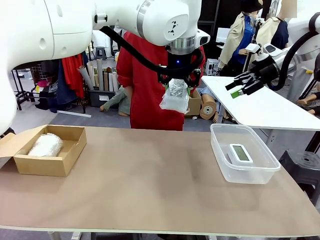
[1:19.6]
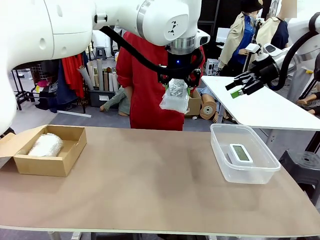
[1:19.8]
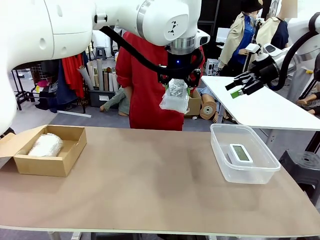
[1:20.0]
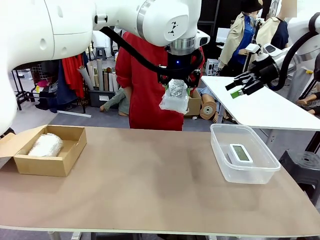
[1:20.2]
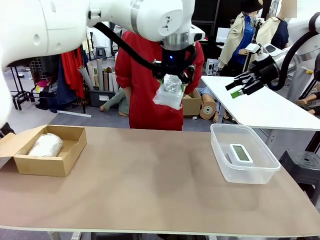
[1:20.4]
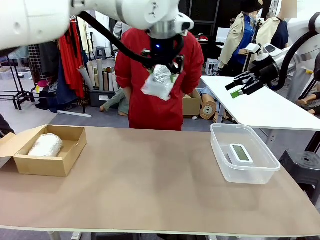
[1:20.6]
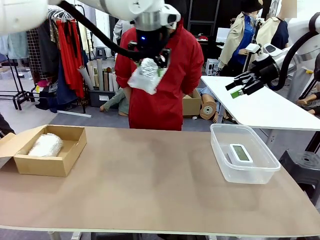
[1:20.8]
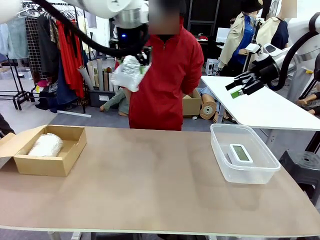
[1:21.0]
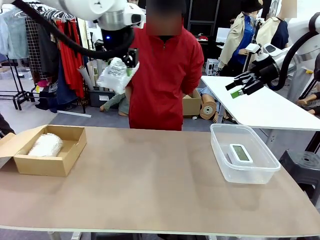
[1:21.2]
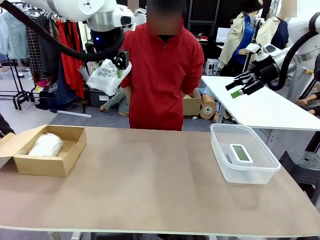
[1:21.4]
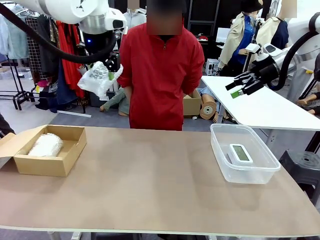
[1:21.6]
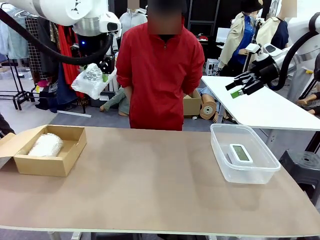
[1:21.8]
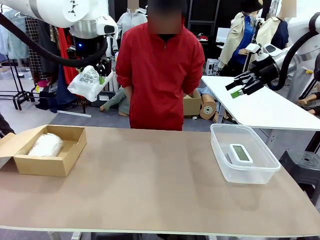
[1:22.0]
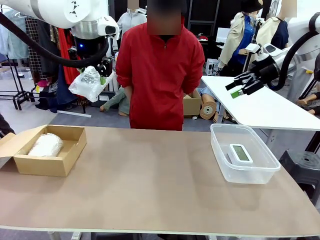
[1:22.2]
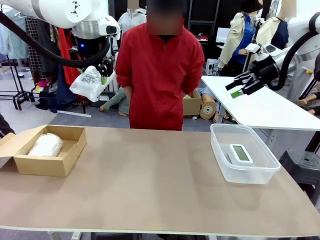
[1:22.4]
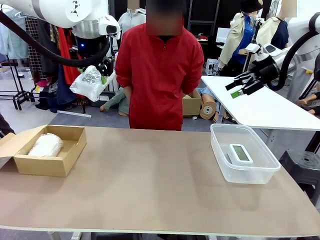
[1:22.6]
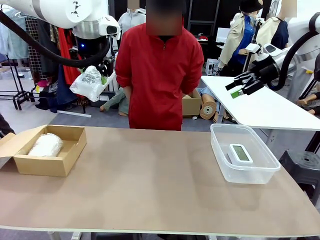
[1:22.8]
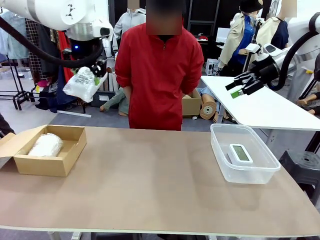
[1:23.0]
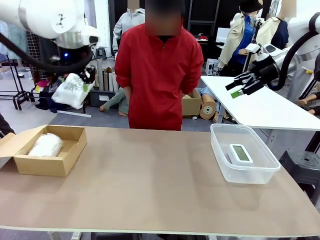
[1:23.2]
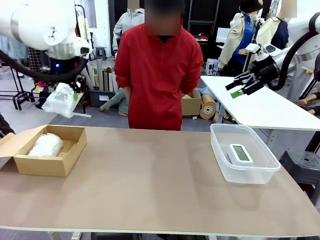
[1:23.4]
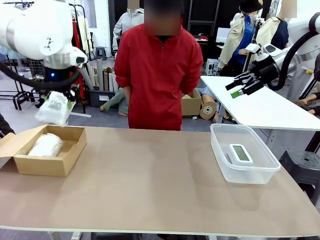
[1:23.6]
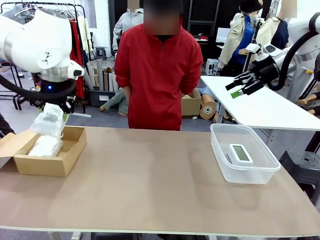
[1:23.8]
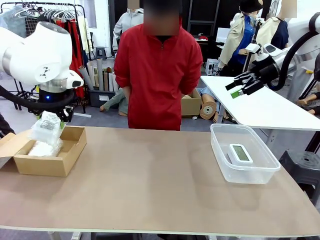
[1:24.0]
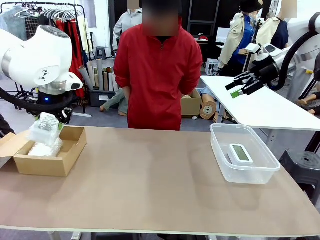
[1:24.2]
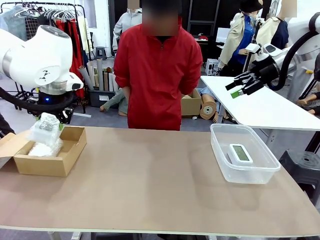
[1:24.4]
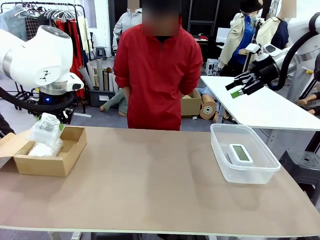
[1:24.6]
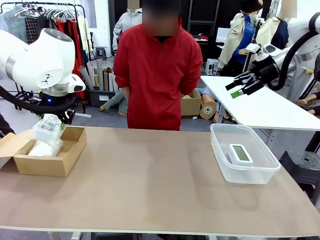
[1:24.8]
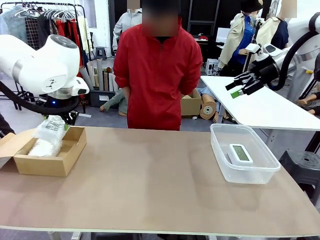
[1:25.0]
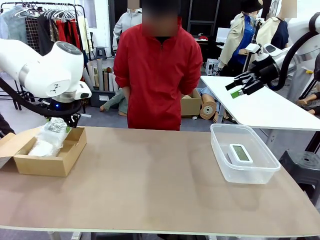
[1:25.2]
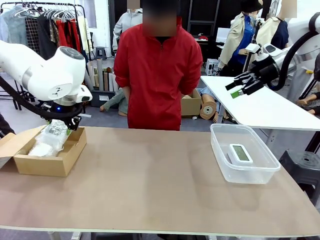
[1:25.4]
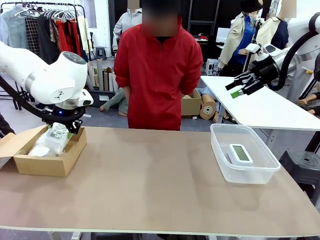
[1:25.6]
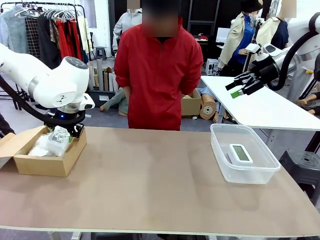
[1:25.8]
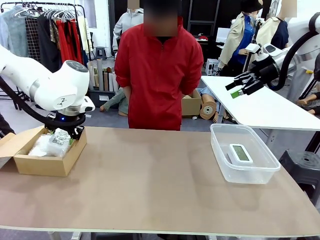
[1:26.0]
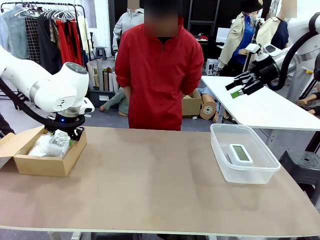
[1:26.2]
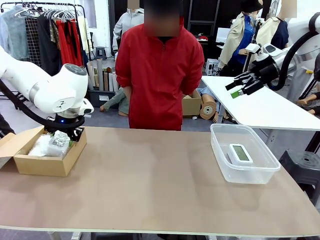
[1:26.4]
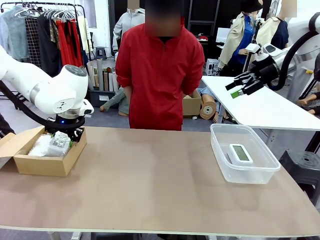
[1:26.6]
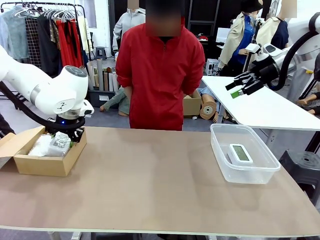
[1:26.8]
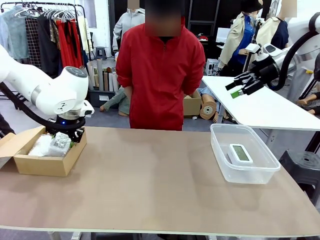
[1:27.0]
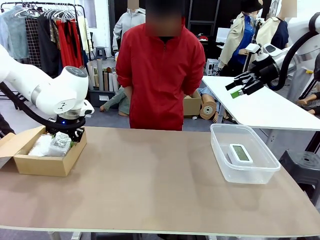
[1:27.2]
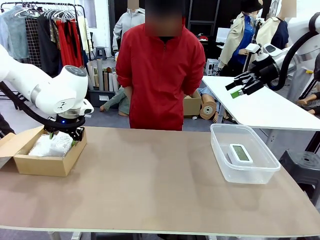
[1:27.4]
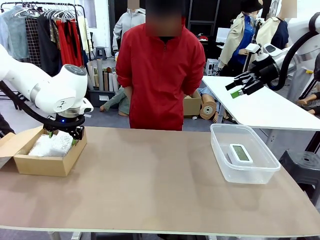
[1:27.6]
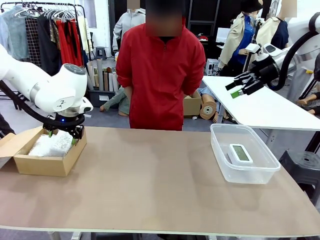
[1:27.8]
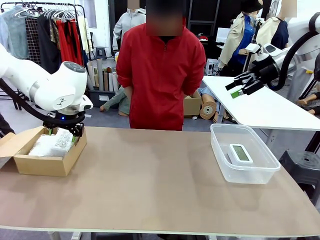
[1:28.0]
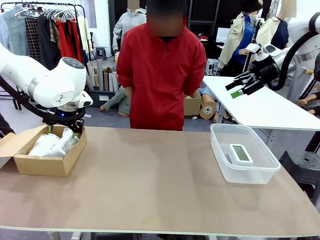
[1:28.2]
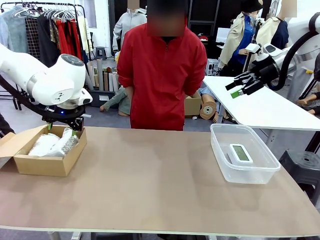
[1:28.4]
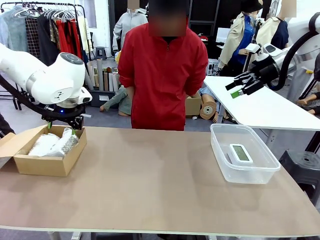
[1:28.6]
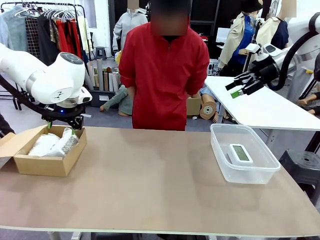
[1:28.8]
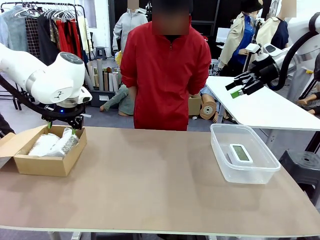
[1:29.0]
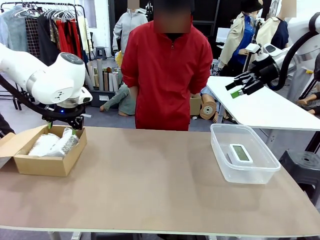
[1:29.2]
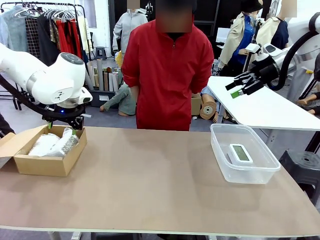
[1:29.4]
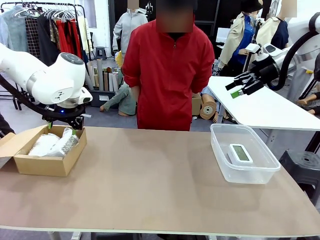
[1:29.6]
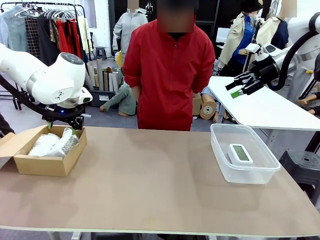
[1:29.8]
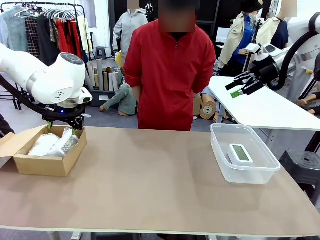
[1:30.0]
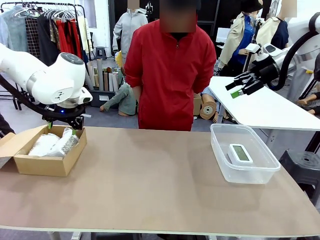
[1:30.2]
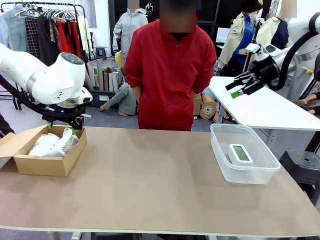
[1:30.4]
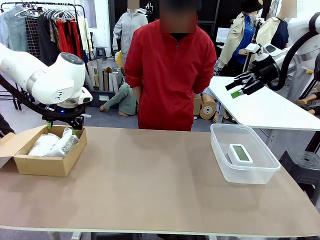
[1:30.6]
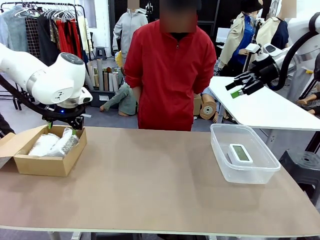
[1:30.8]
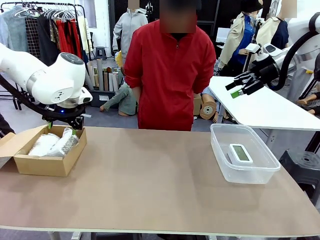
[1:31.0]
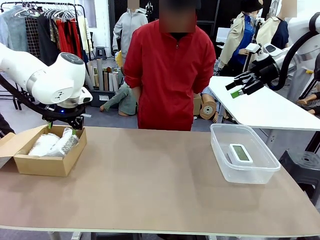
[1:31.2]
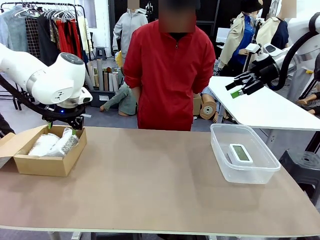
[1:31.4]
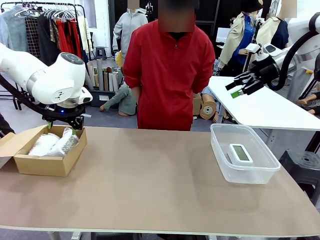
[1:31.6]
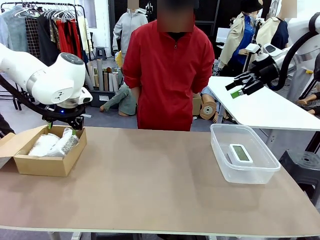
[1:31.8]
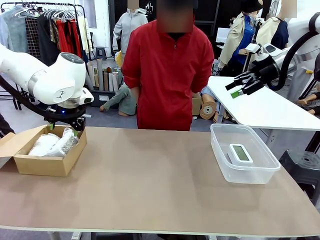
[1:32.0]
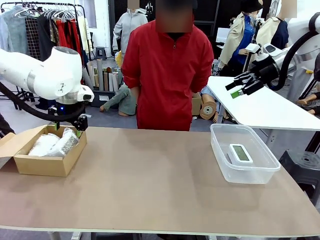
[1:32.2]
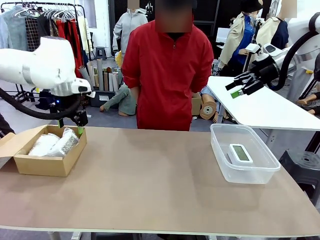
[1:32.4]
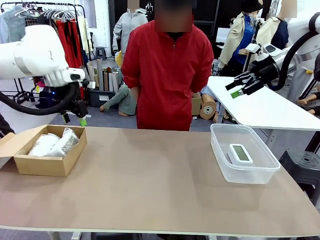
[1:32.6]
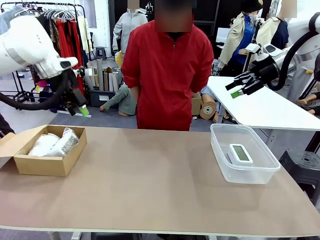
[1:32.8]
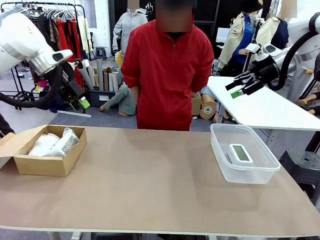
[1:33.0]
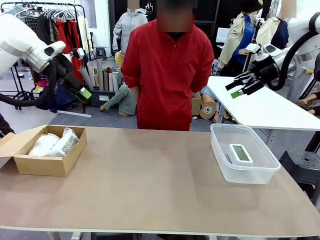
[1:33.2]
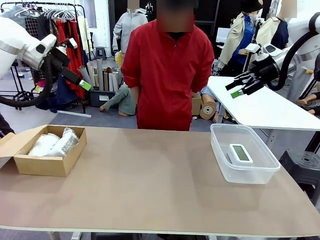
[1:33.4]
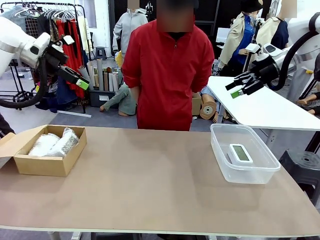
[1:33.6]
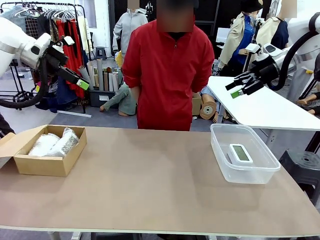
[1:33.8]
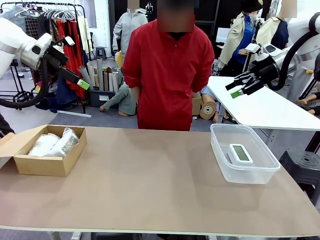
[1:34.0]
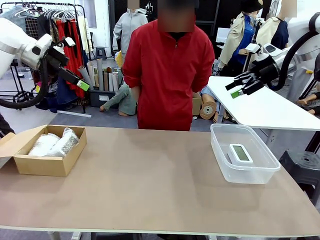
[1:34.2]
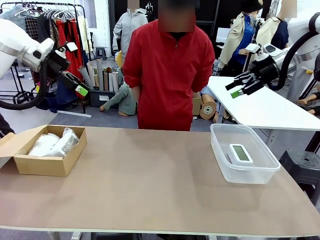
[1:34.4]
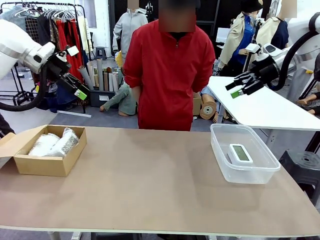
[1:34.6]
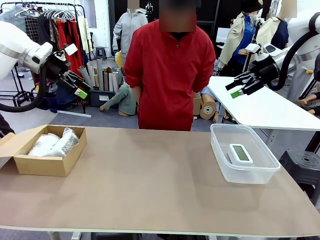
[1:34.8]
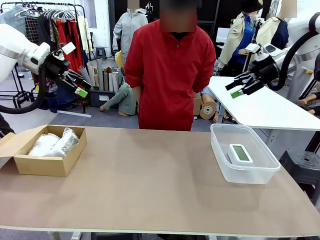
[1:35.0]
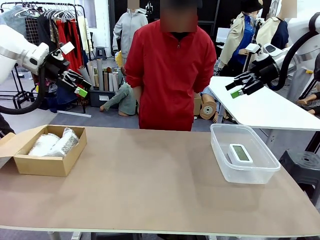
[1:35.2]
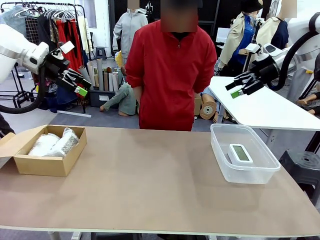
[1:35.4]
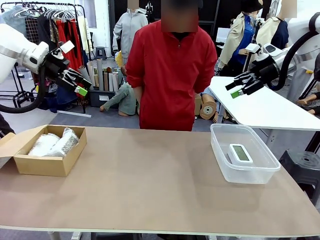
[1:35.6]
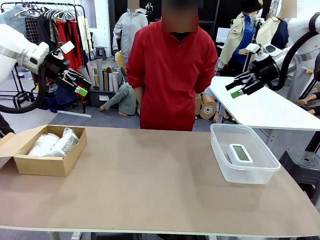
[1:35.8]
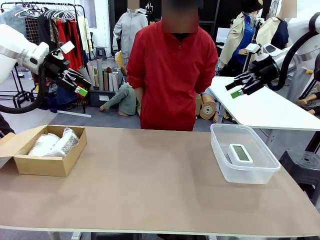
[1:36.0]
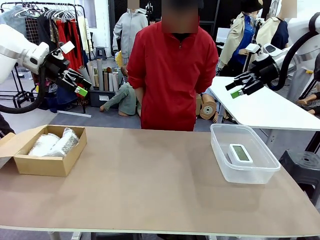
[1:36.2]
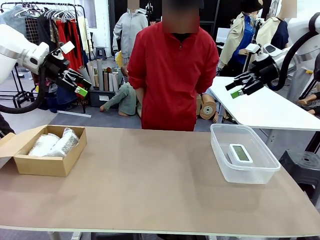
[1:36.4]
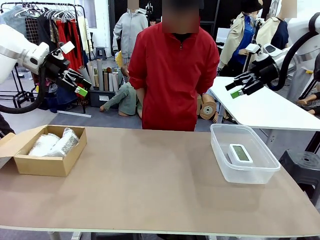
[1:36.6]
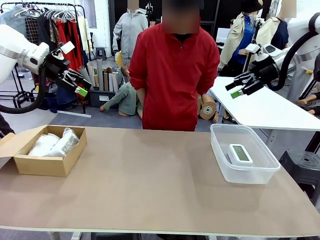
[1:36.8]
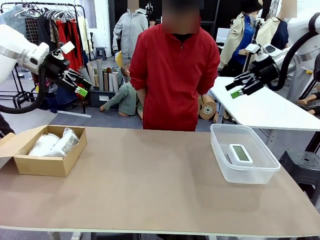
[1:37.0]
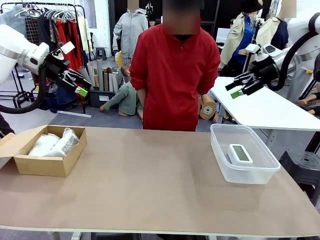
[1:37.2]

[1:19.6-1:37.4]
Task: Separate and place wrapped and unwrapped clocks.
Robot: If the picked Digital clock is wrapped, place it in the Package Box ; if not, place it in the Organizing box.

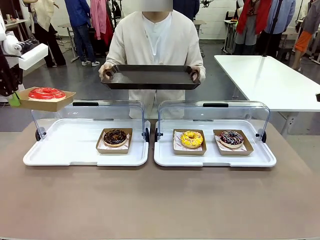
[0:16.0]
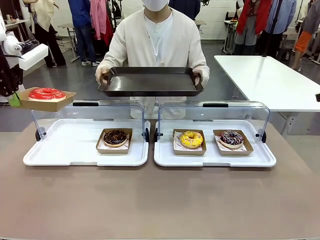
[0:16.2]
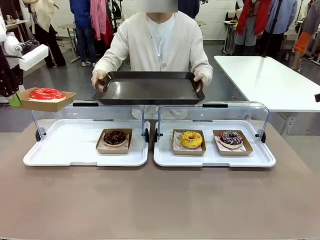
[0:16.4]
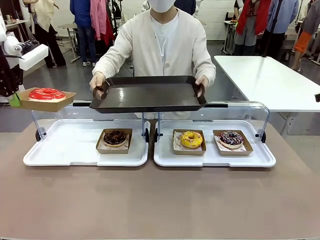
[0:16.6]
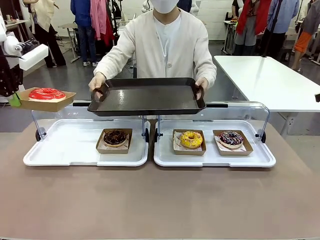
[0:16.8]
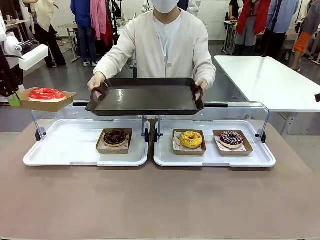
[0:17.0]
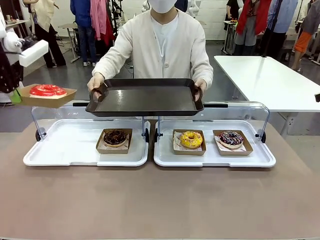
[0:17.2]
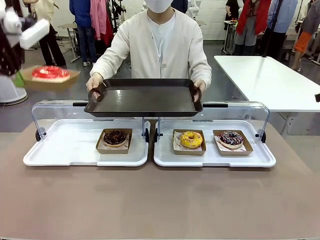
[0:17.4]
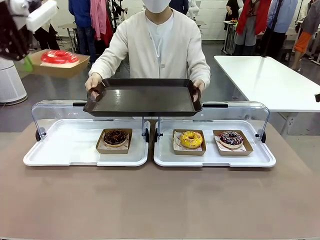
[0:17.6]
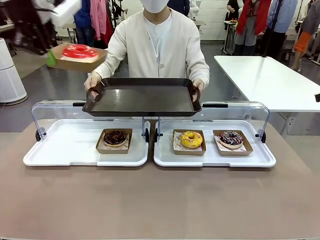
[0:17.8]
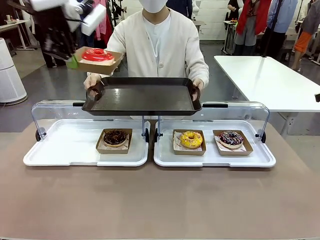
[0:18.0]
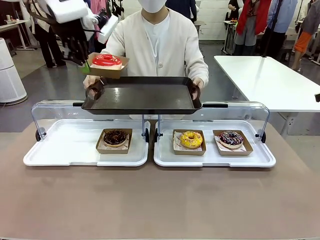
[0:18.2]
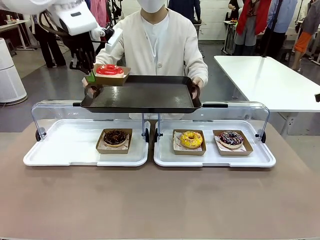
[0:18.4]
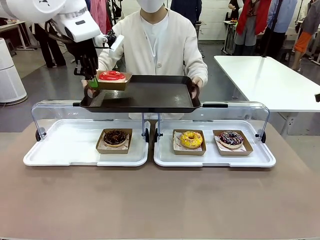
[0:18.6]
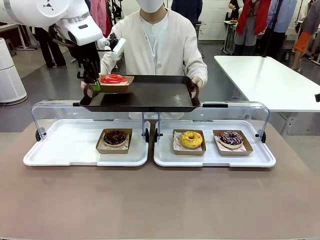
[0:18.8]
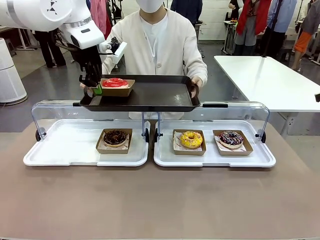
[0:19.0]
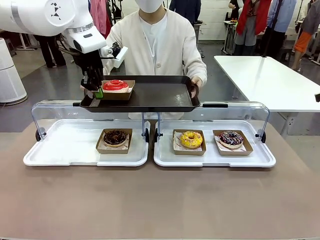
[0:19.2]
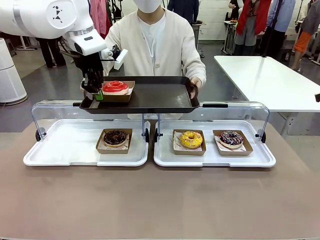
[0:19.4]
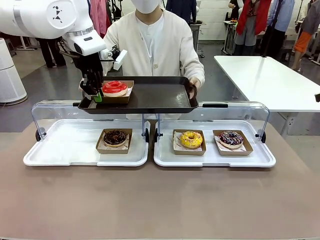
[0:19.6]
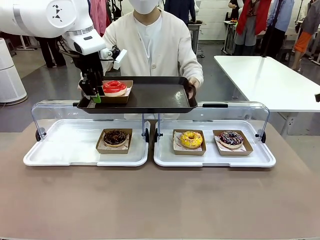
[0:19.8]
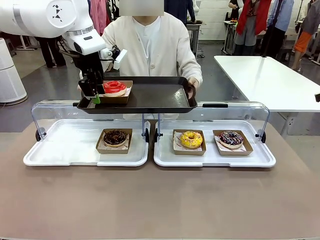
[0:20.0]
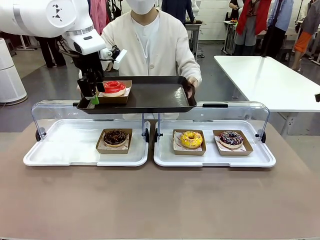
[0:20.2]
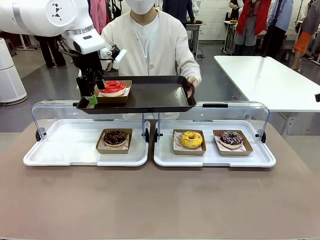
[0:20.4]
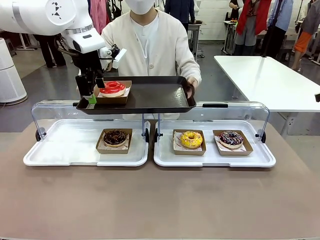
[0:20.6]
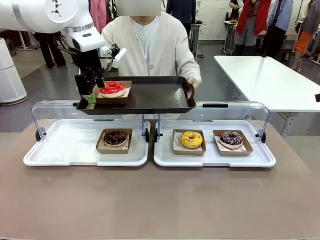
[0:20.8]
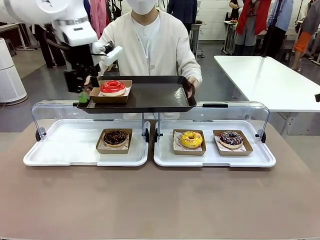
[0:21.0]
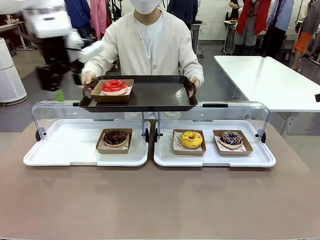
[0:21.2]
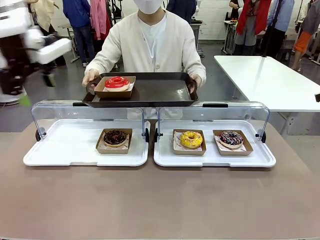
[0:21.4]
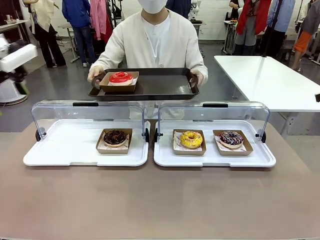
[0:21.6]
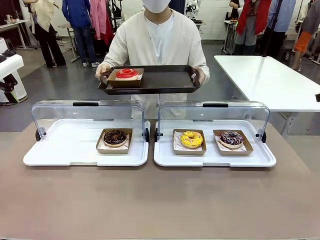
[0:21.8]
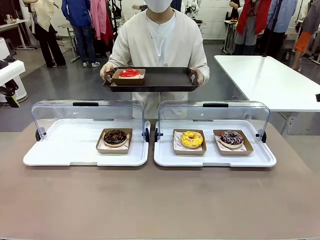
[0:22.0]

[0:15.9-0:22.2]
Task: Provide the desired donut to the person.
Robot: Place the picked Paper togo box onto the Handle tray extended by the person.
